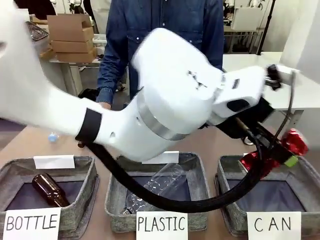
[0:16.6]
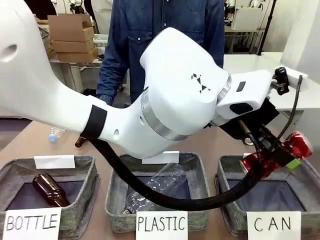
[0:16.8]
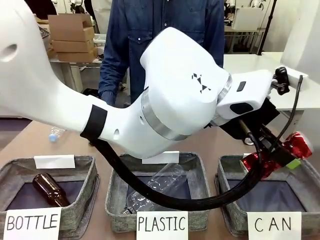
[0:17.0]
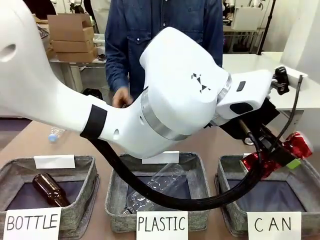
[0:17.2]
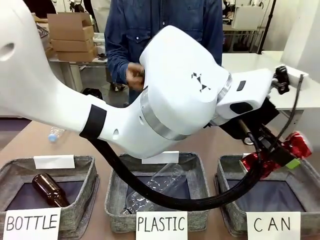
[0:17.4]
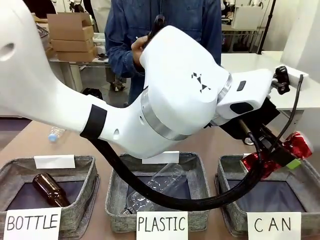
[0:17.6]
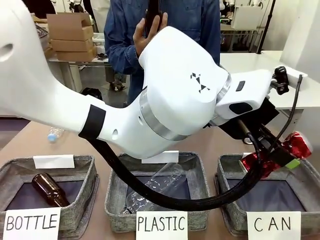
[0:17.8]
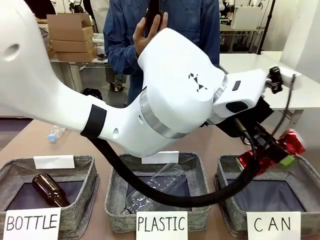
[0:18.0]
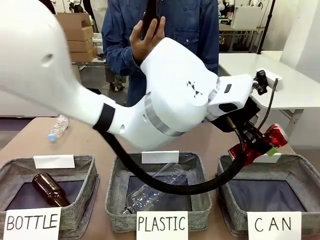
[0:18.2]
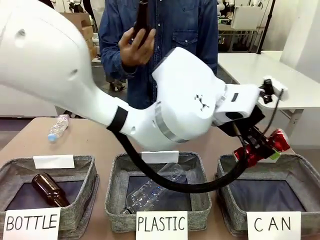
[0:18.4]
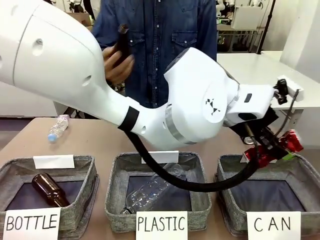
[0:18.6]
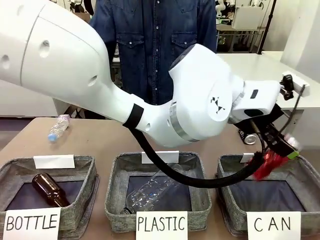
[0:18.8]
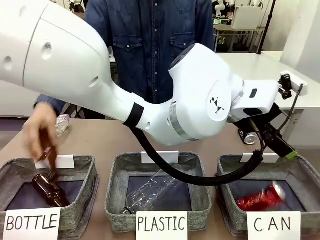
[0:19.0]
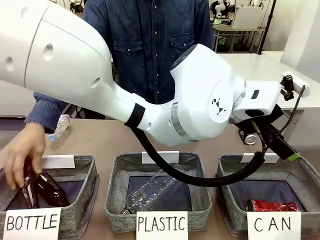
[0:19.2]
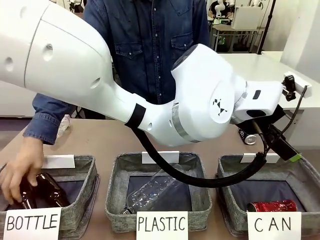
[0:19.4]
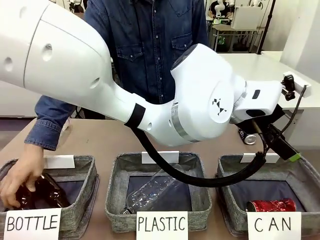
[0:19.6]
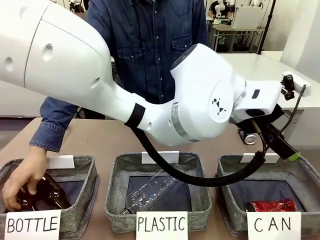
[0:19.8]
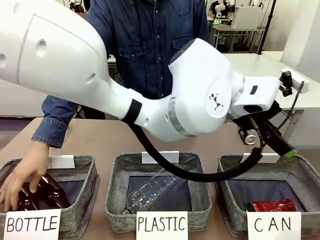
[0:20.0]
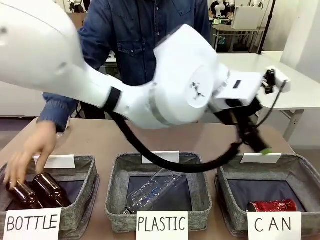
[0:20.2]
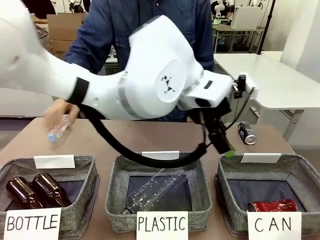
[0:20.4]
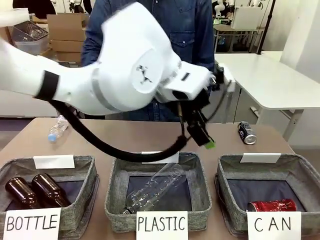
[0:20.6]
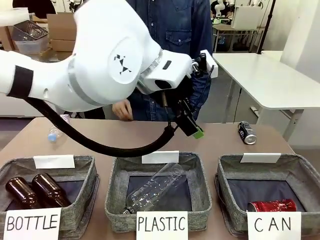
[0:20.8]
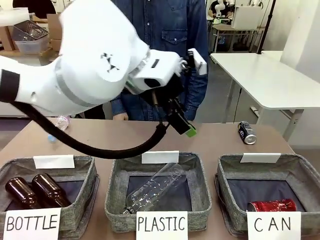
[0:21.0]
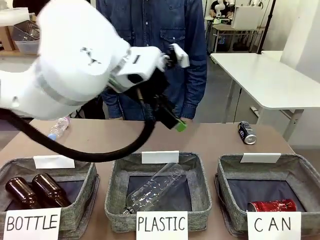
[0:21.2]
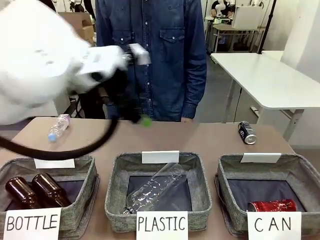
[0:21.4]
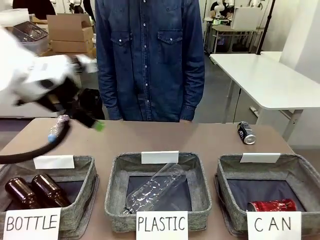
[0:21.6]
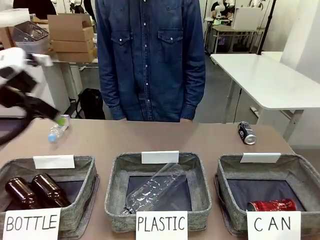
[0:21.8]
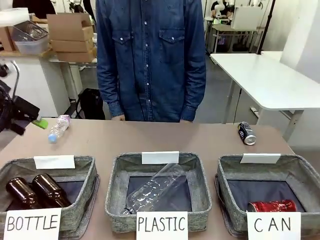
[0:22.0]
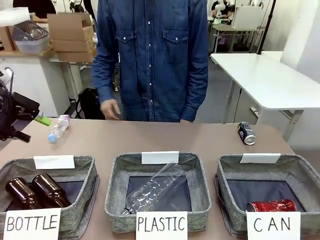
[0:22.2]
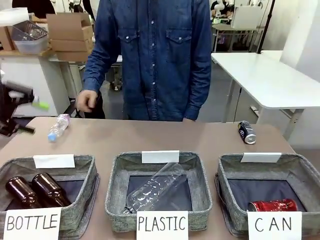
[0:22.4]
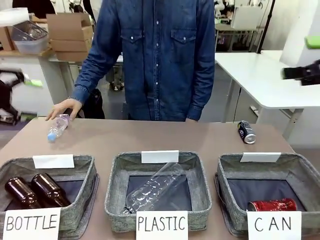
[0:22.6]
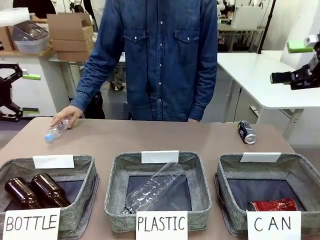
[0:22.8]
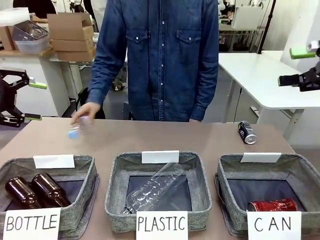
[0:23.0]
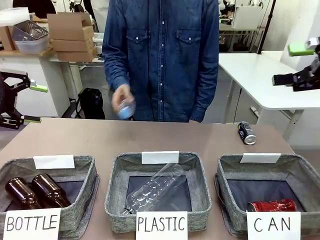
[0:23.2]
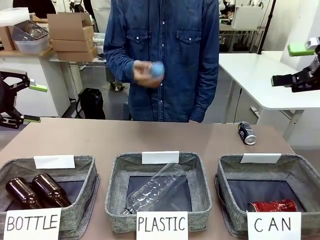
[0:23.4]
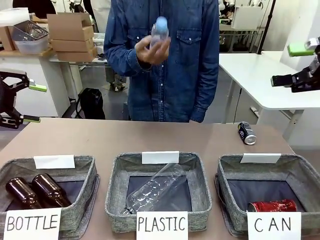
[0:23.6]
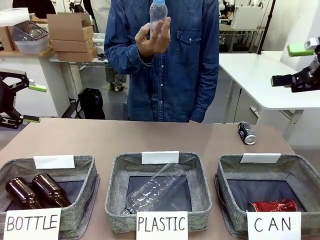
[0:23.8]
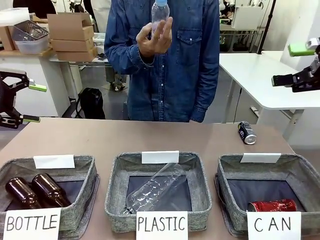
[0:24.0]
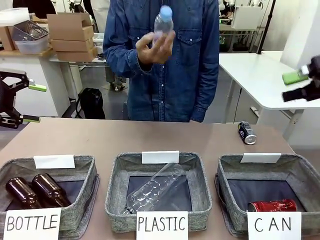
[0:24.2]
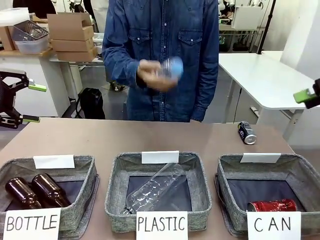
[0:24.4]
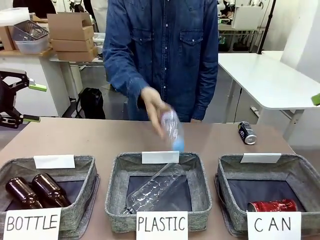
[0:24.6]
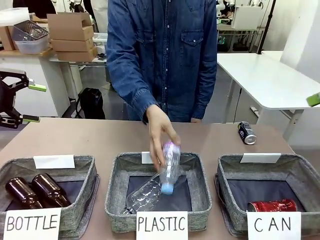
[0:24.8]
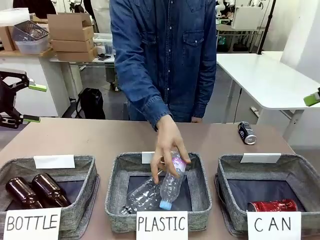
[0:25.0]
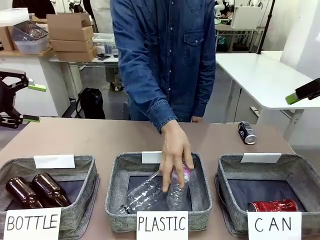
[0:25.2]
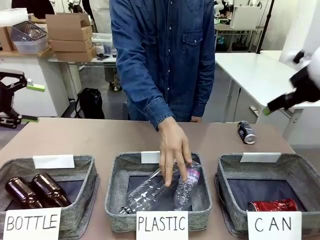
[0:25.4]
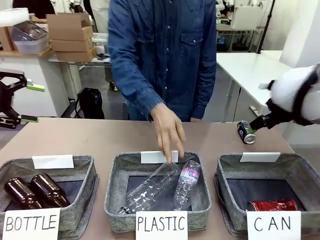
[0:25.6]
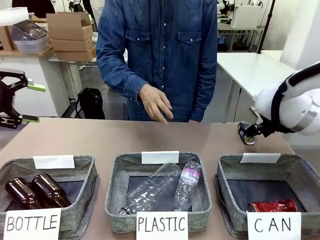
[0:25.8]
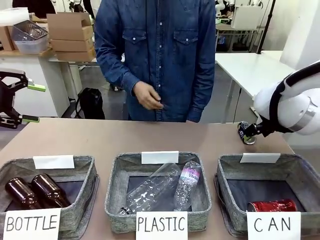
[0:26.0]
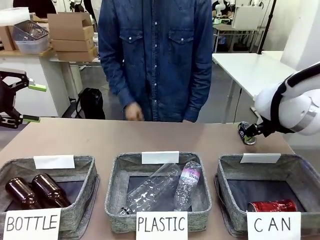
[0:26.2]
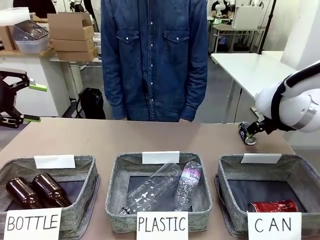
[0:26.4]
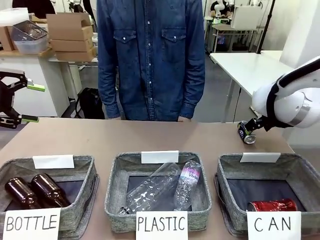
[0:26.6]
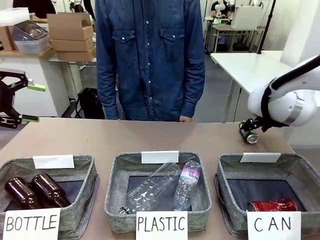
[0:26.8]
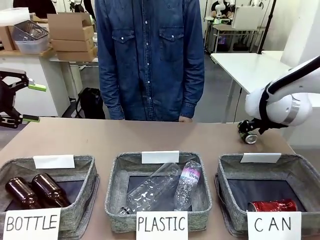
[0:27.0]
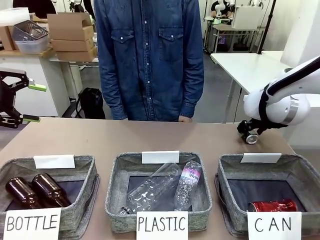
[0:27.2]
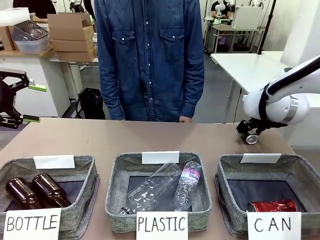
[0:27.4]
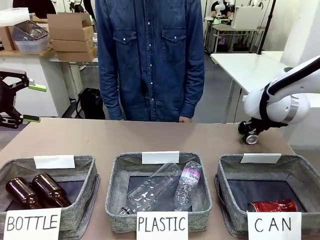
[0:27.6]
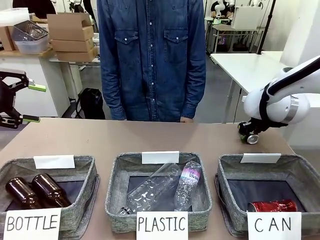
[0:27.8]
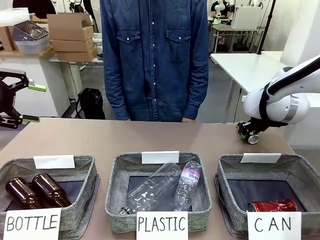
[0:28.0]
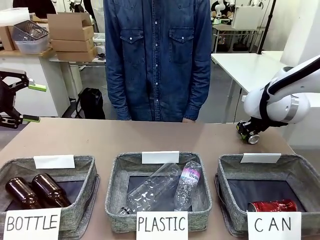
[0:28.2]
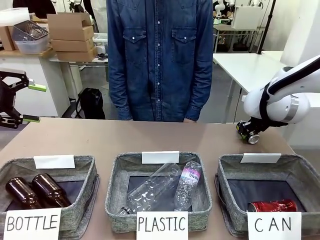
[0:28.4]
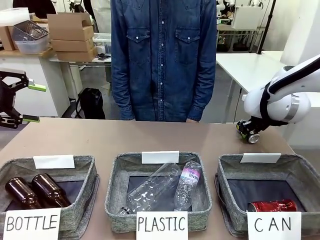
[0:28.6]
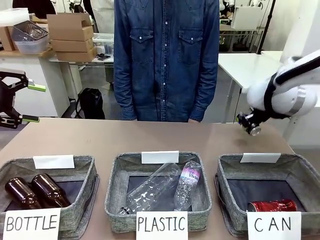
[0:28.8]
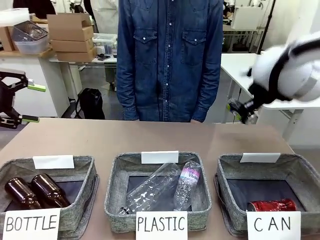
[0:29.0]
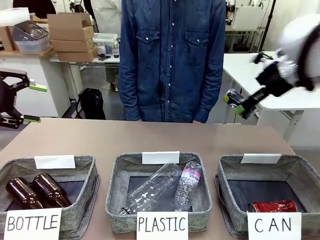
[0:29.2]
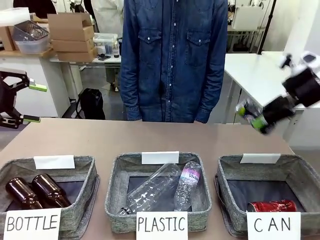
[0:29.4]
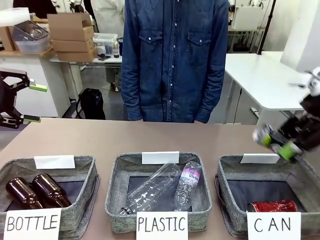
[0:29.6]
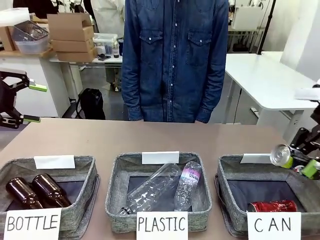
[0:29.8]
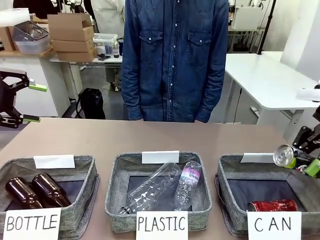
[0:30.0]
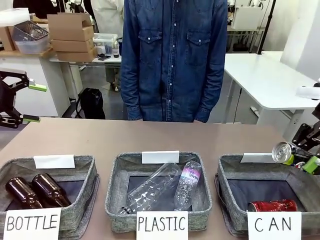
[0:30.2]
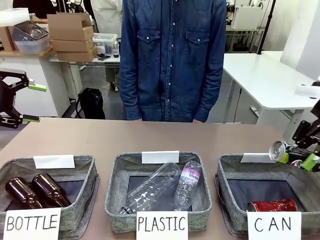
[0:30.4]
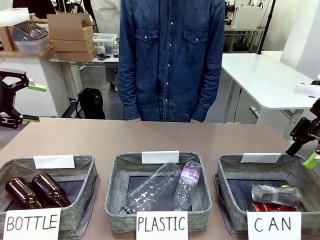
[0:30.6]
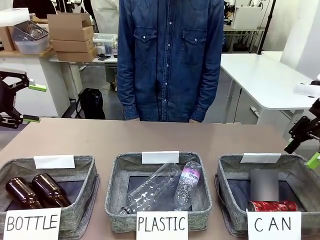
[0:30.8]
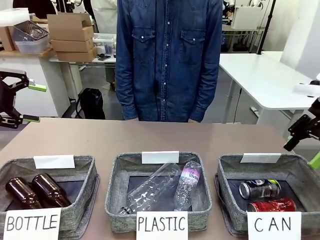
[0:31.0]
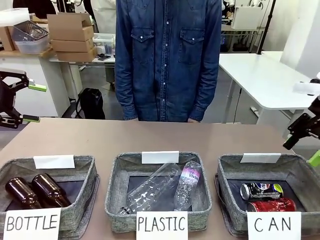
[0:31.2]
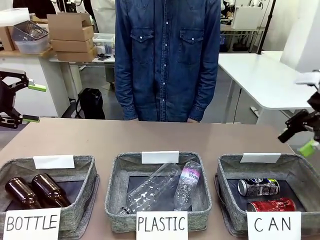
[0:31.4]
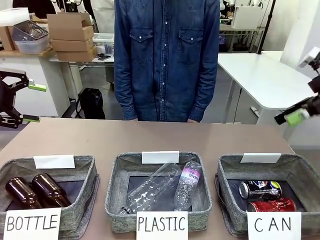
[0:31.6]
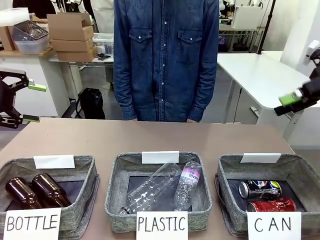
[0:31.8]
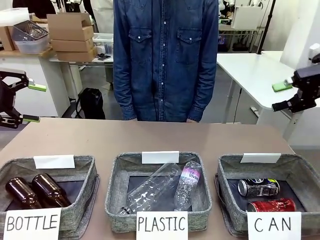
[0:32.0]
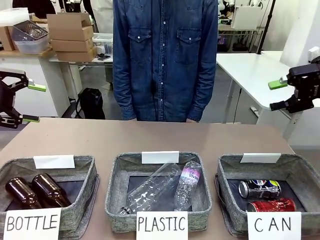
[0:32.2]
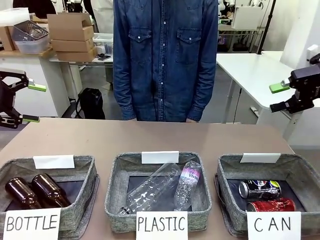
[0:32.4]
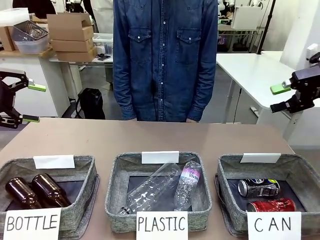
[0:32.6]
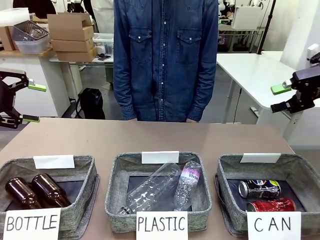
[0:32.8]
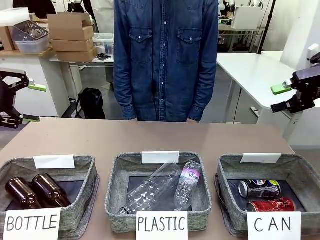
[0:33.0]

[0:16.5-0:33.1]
Task: Sort the can waste into the basket.
Robot: Pick up the can waste from the table and place it in the right Fabric basket.
Person: The human picks up one piece of trash that is not a can and places the trash into the appropriate organizing basket.

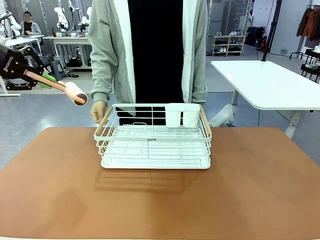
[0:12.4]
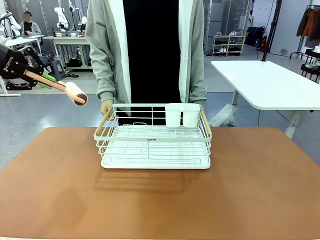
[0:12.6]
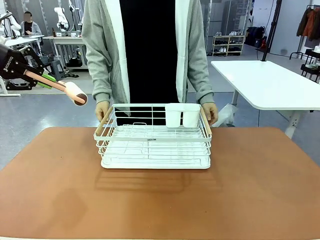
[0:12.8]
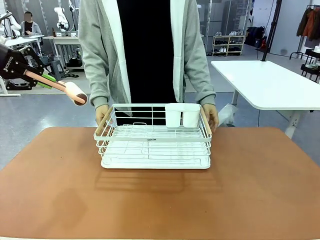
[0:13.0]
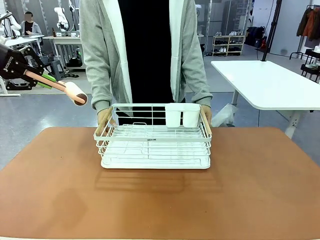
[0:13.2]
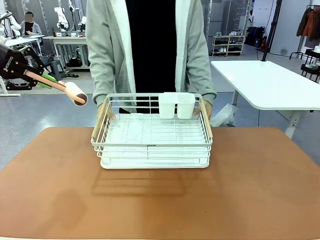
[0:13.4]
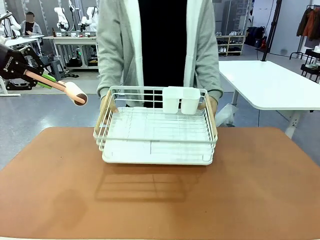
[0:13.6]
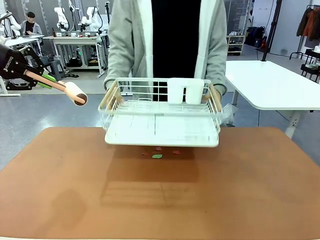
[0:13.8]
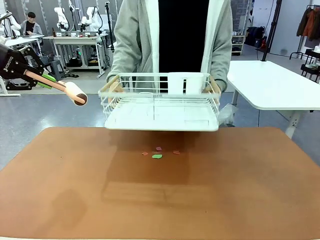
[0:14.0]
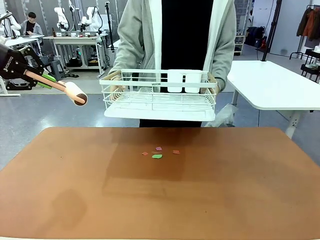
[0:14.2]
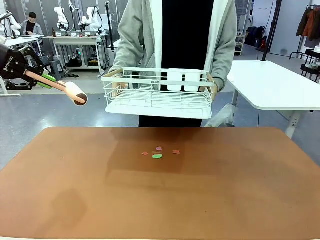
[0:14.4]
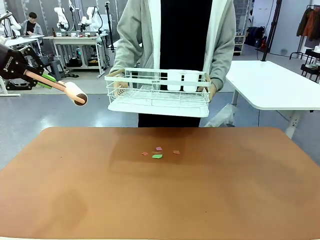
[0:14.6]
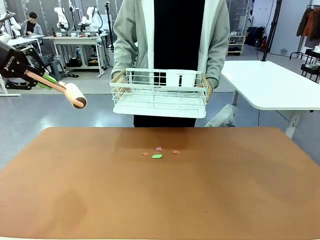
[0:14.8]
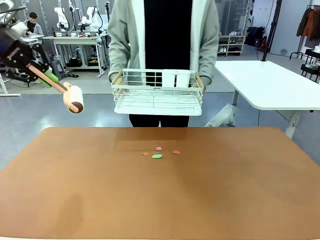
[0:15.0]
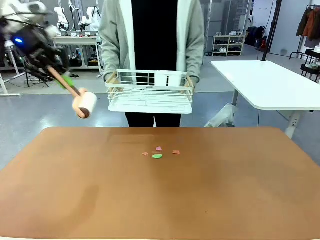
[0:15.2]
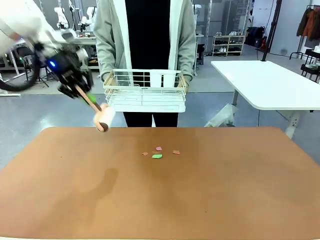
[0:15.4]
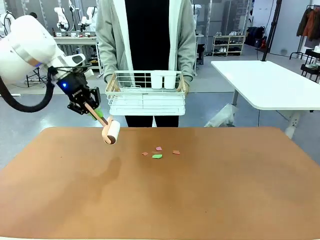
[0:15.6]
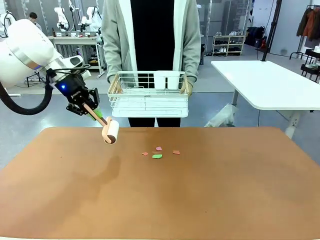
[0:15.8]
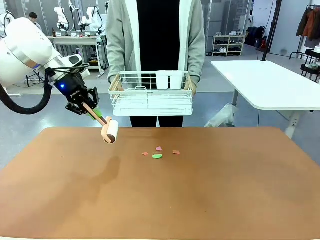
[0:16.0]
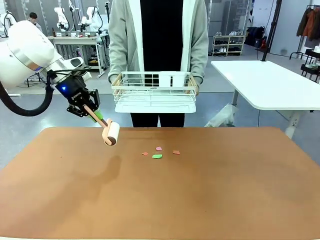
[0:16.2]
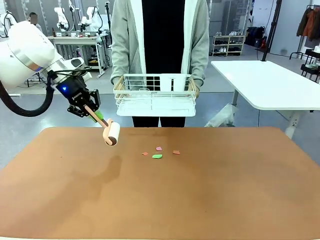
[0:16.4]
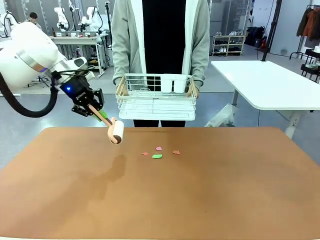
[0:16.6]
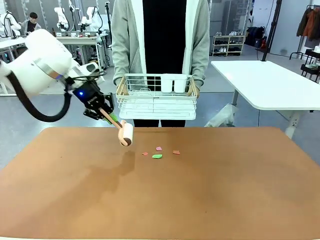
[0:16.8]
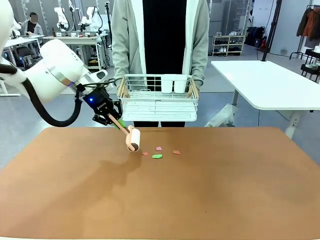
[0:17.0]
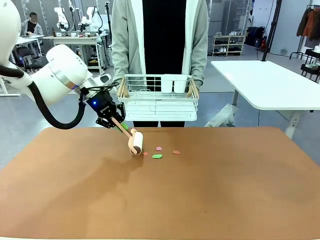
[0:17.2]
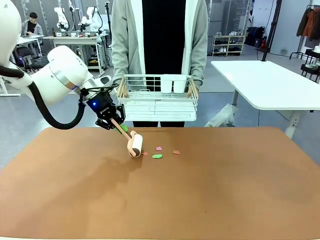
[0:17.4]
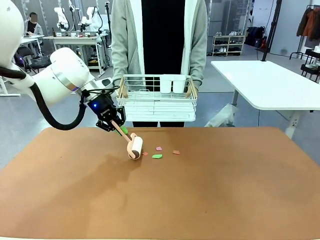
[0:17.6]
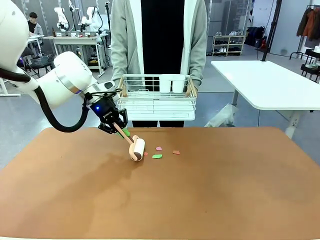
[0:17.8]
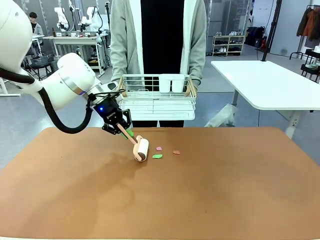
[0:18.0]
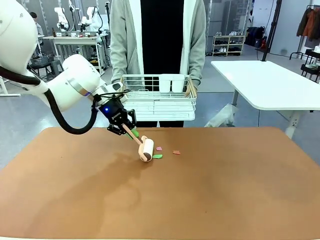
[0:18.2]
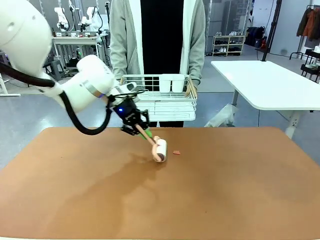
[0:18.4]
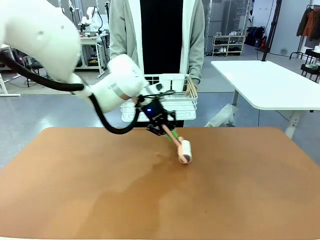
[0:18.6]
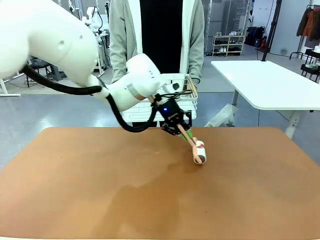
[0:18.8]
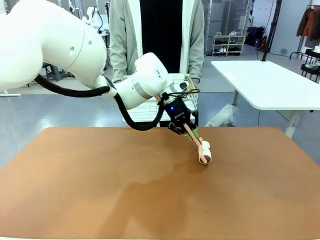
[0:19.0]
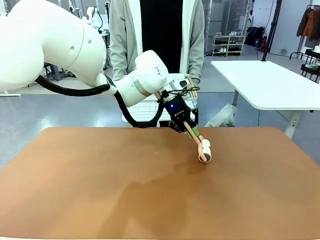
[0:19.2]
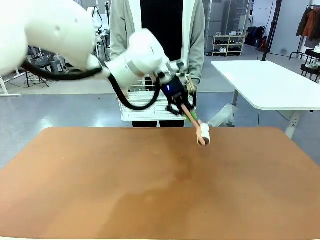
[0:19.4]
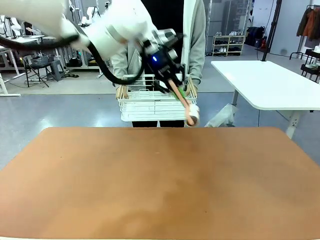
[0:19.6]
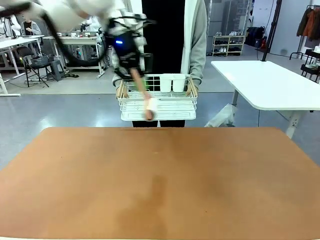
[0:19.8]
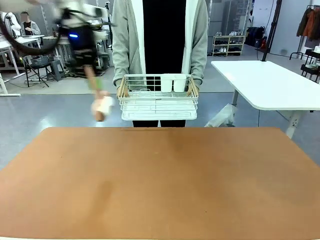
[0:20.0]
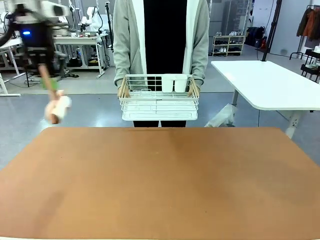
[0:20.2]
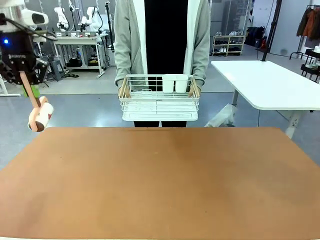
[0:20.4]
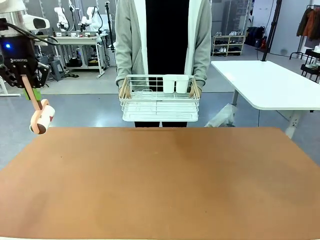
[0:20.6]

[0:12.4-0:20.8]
Task: Clean the table.
Robot: Clean the table with the Lint Roller when the human lifts the Dish drying rack.
